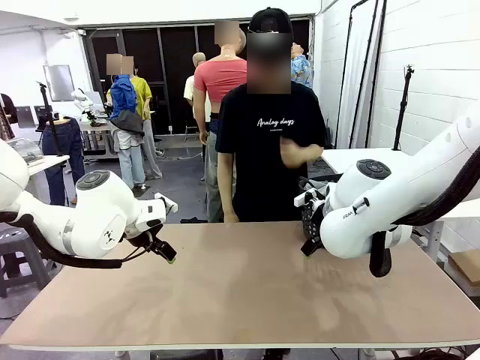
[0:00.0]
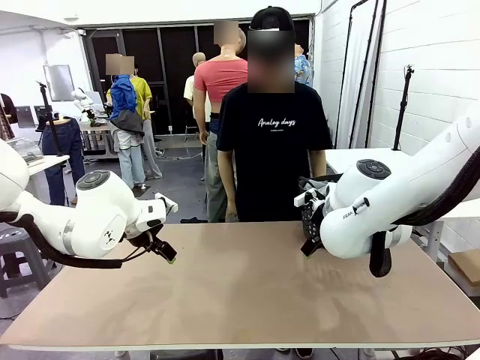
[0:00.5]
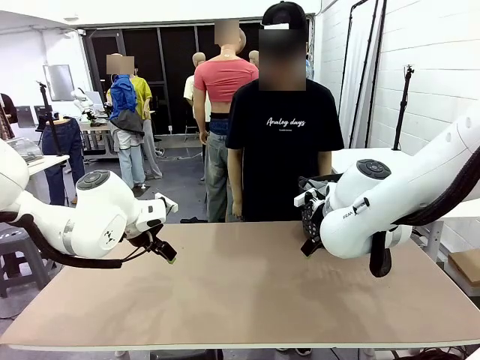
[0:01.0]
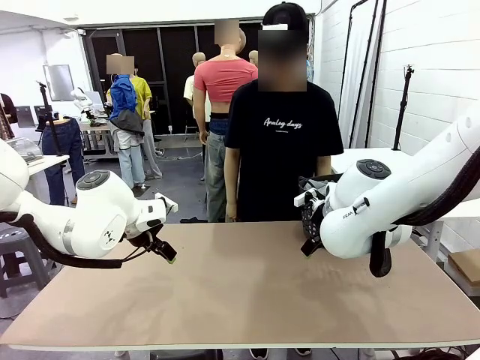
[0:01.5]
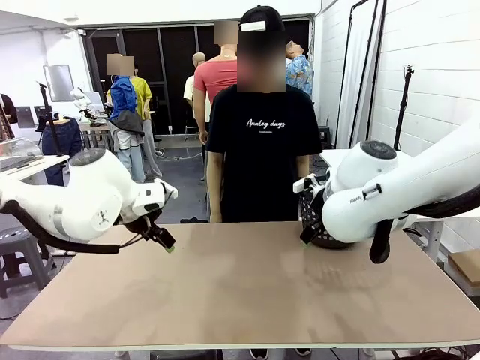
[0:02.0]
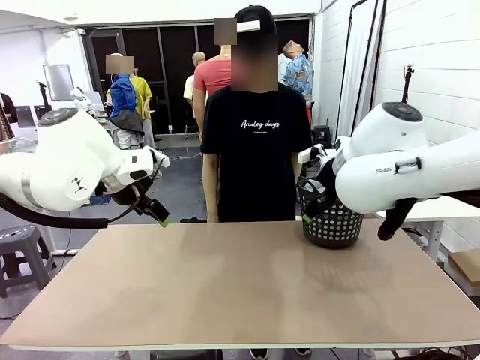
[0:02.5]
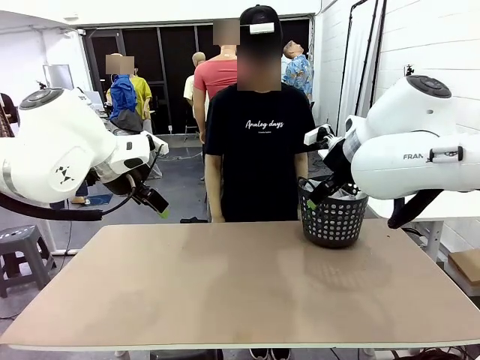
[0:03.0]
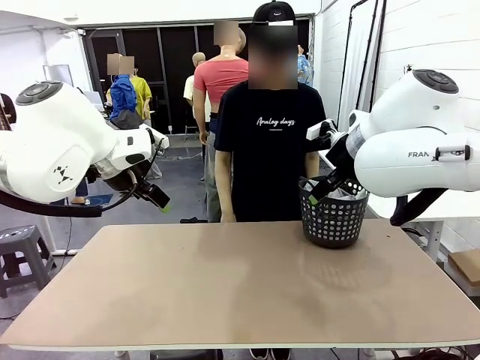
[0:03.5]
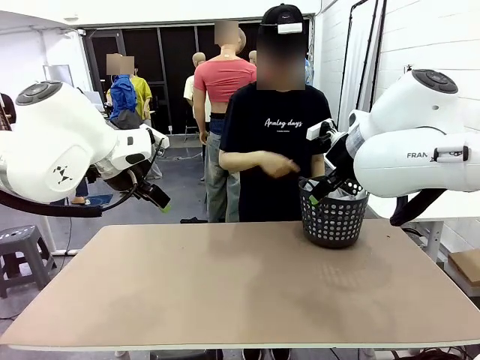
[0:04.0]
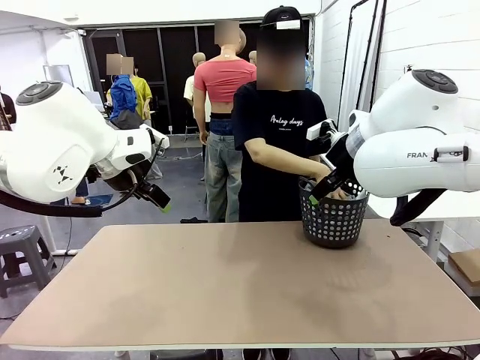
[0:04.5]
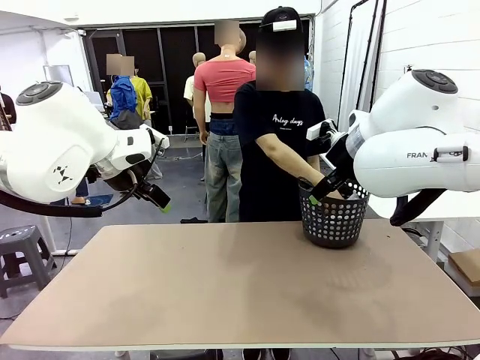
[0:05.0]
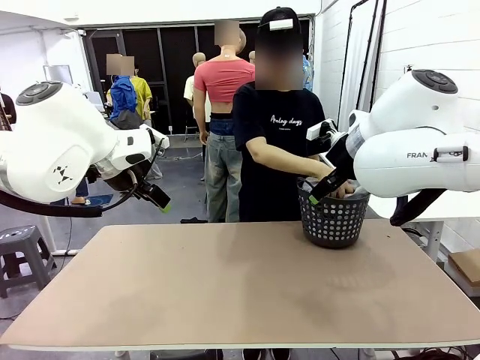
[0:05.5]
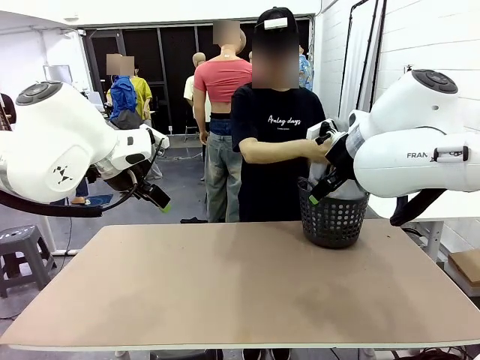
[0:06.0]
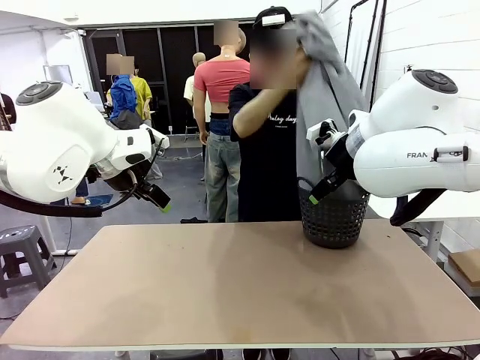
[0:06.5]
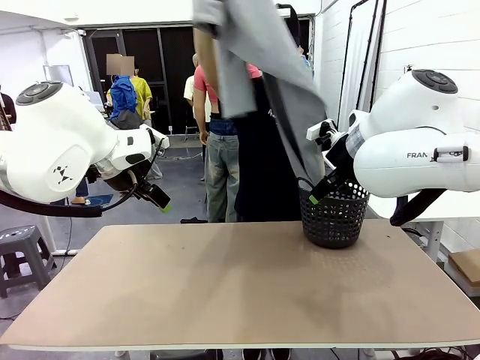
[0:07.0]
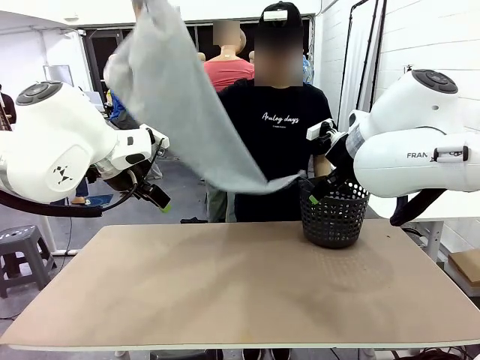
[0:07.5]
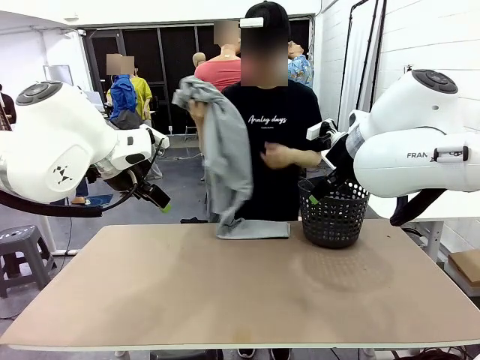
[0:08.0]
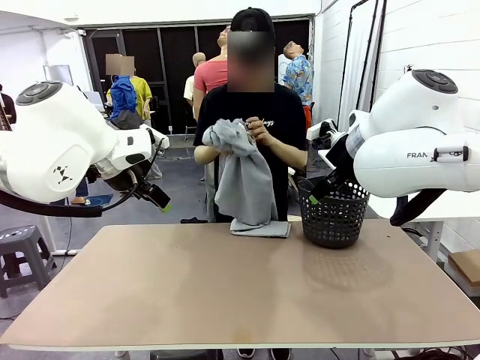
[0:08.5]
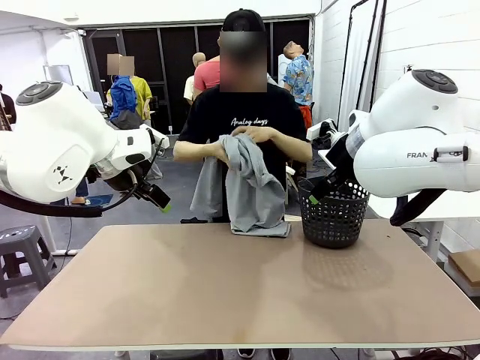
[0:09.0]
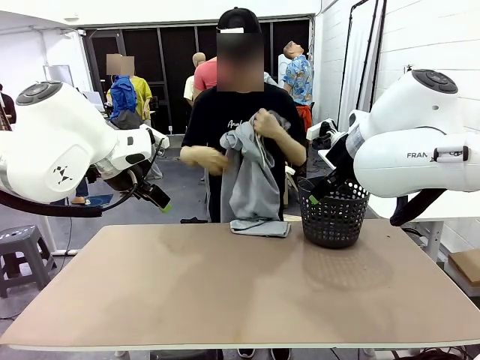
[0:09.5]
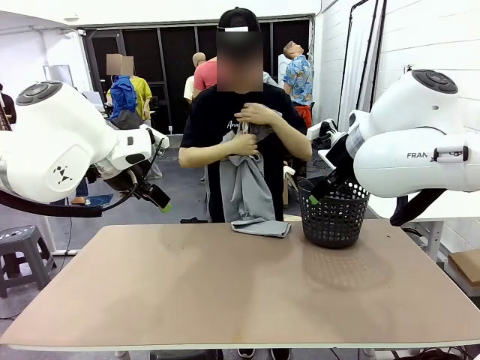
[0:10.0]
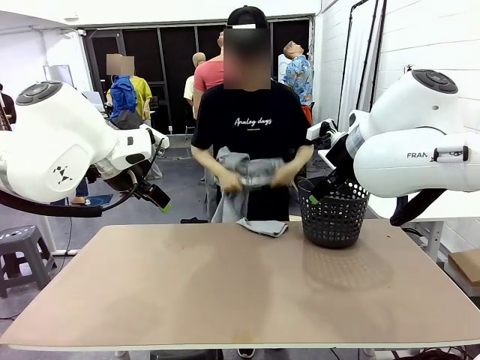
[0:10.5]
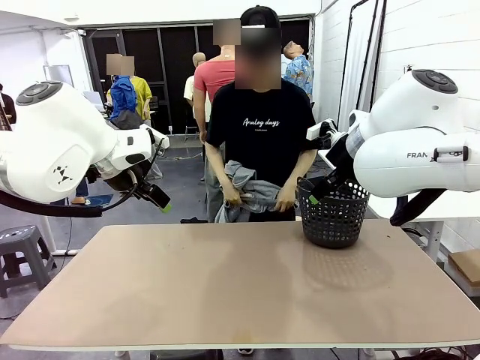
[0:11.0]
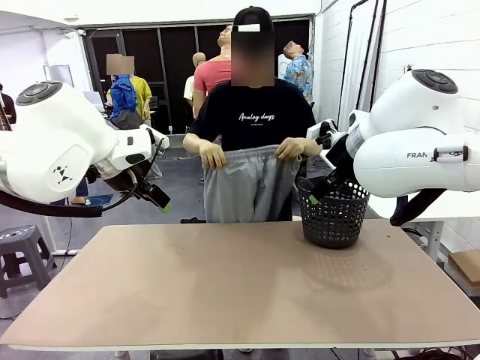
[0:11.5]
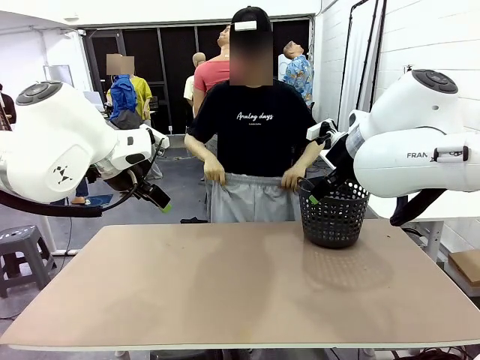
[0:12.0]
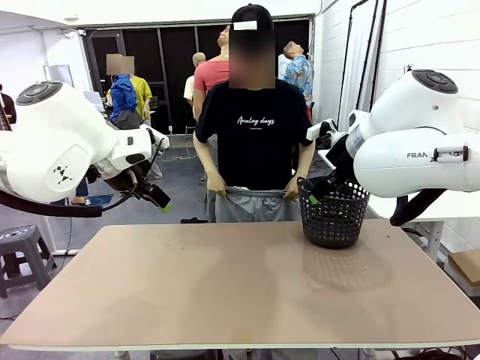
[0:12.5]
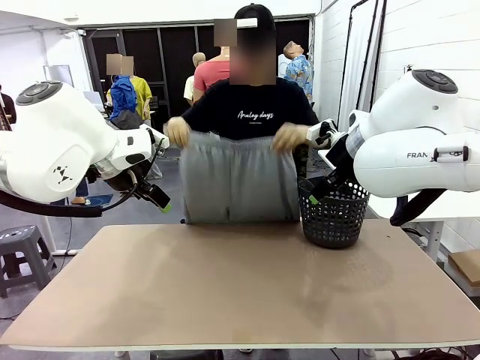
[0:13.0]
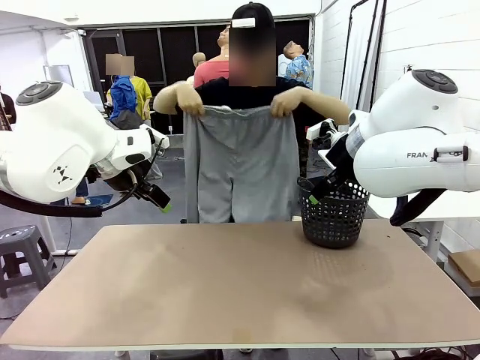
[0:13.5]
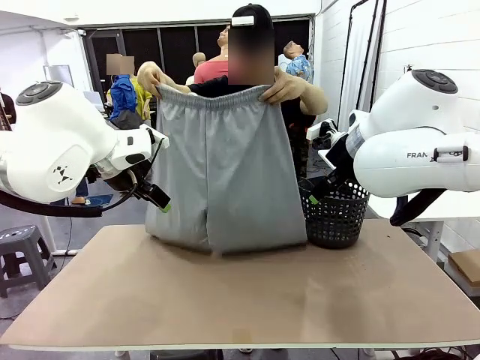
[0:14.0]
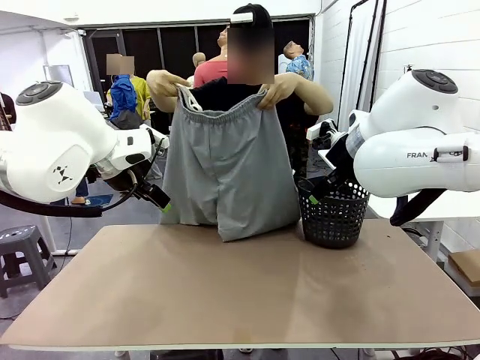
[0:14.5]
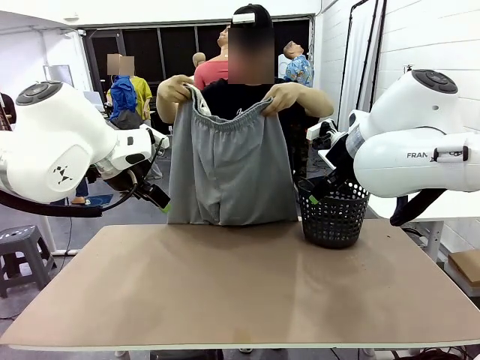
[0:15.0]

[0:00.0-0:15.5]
Task: Fold the training pants.
Robot: Grab both ends of the Training pants handed by a person.
Person: Take the long pants out of the laundry basket, unfold them, fold the waist in half, and extend them so the robot can pick up both corners.

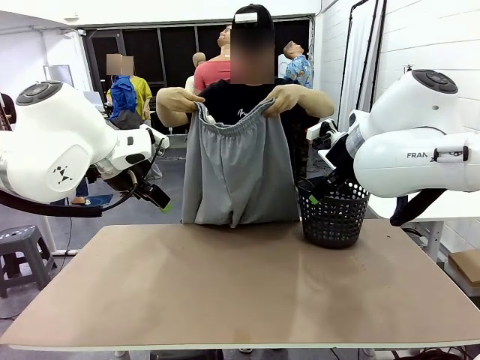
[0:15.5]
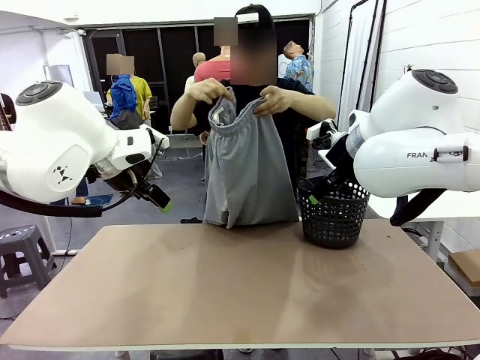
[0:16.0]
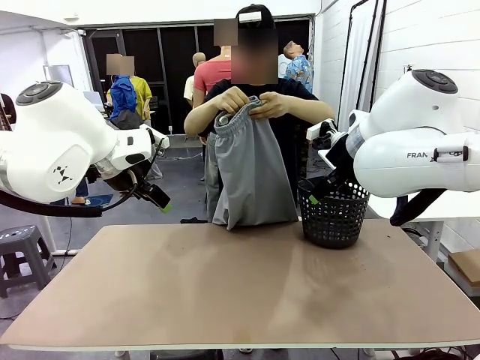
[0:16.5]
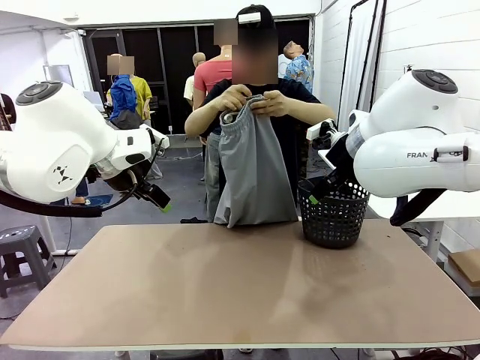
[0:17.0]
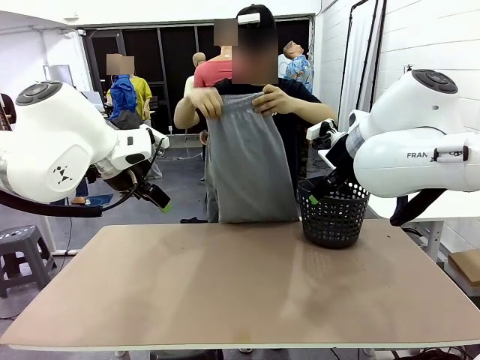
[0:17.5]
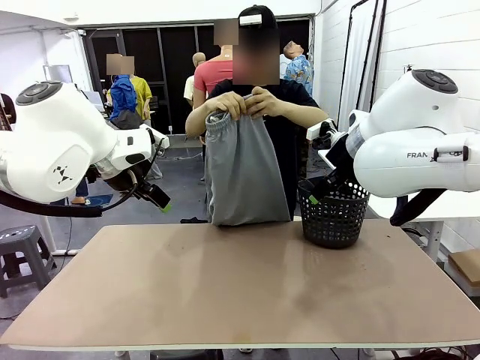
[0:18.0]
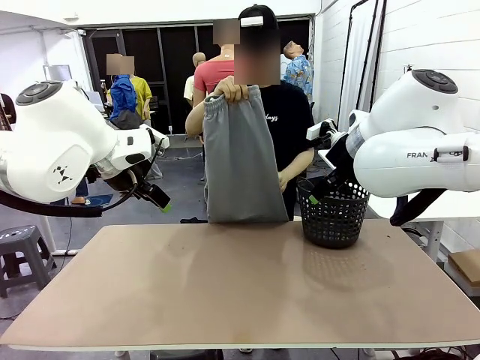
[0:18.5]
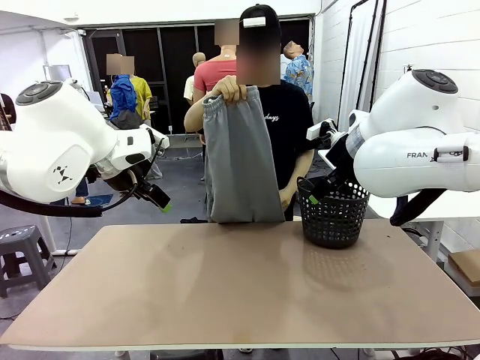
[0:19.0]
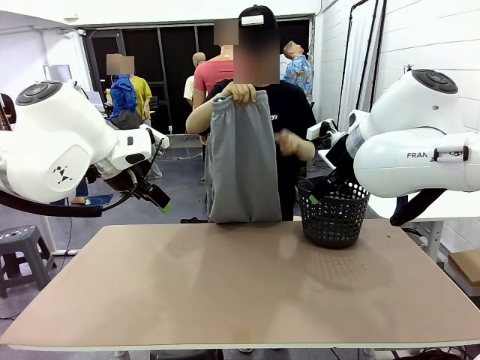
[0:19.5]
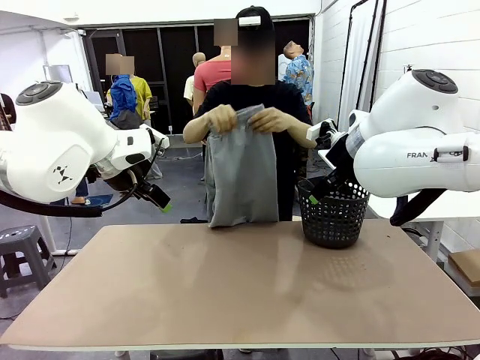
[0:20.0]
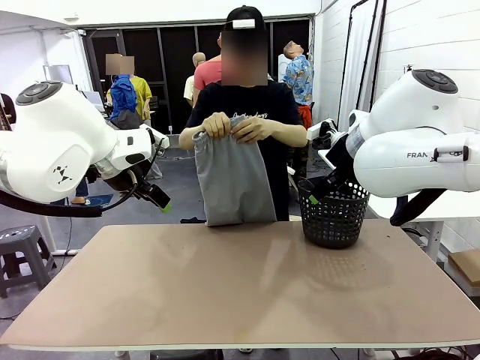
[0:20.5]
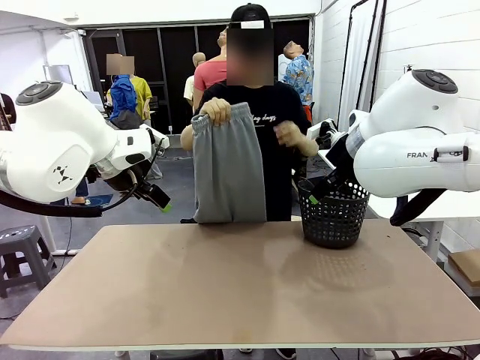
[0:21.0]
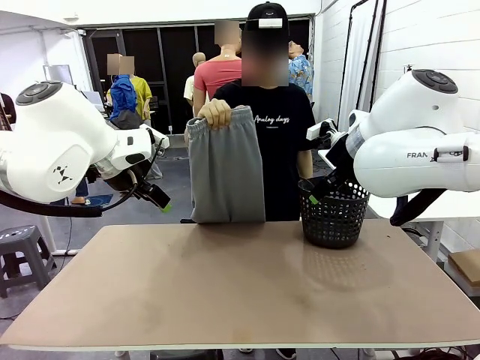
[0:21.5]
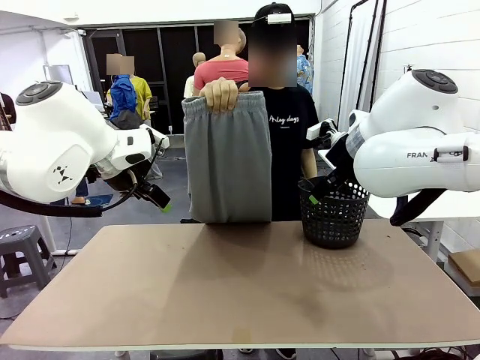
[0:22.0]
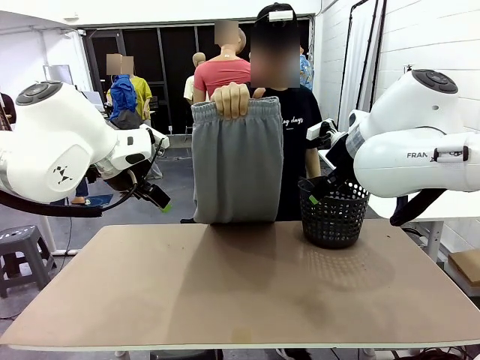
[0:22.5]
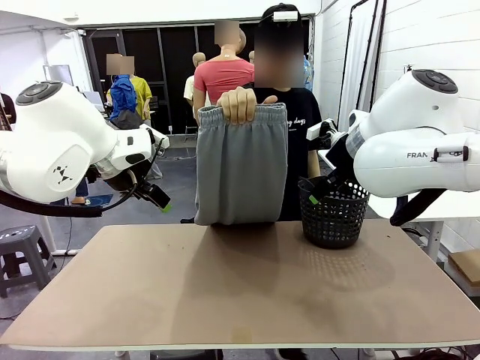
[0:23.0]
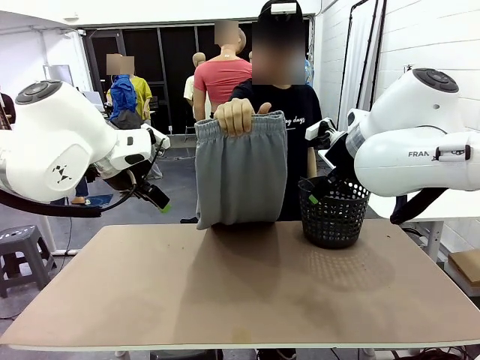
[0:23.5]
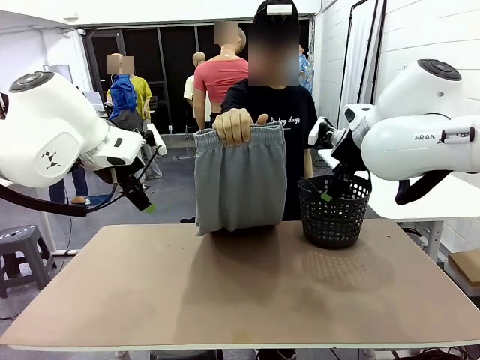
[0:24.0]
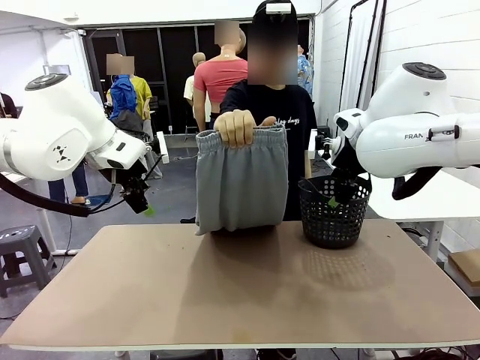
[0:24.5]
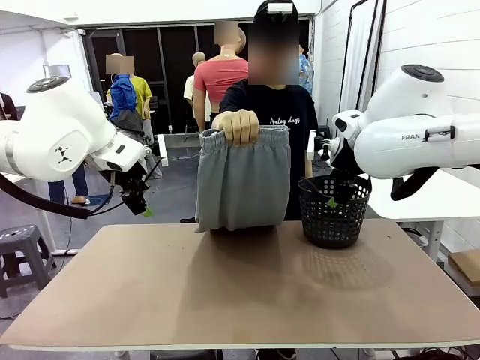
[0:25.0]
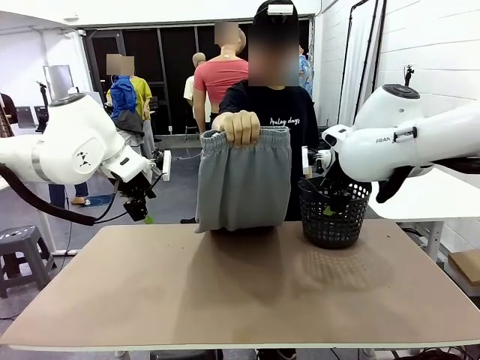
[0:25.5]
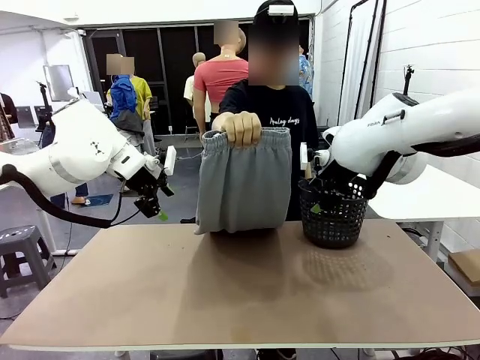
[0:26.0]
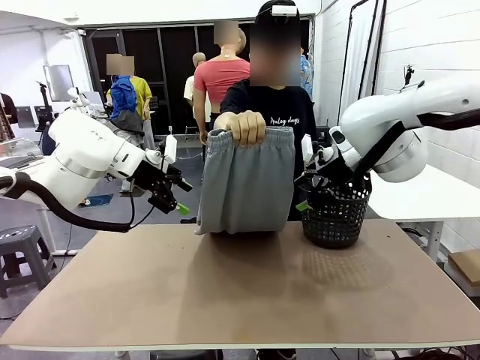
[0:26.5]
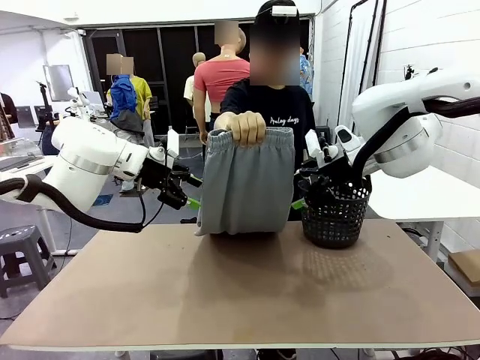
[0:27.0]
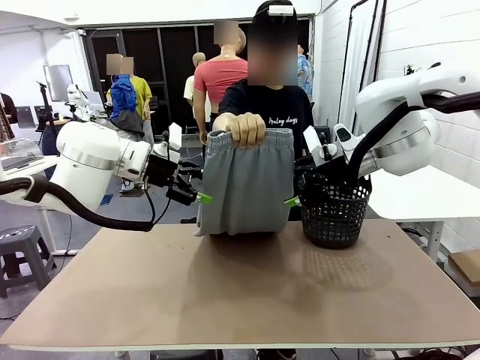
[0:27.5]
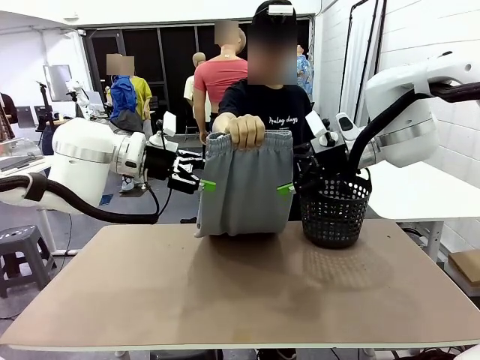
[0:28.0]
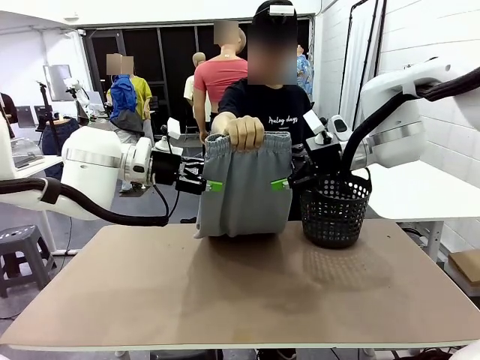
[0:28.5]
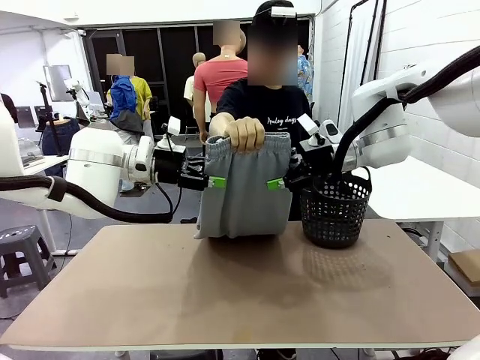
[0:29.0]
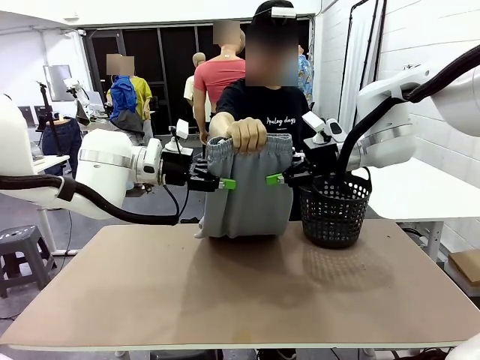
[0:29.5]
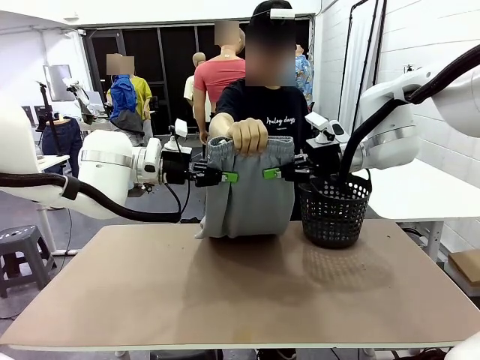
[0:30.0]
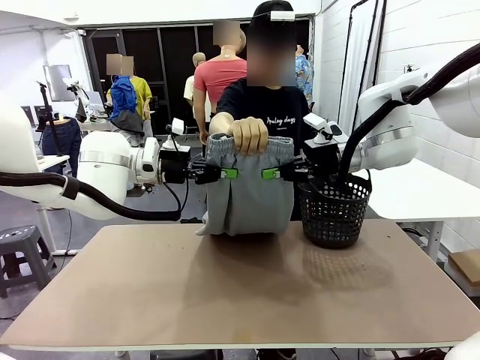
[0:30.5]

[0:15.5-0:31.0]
Robot: Grab both ends of the Training pants handed by a person.
